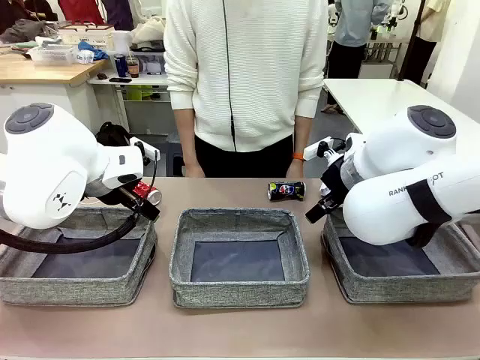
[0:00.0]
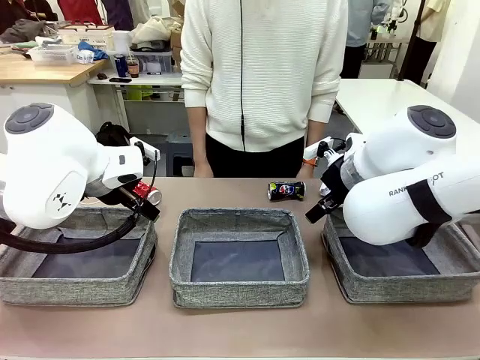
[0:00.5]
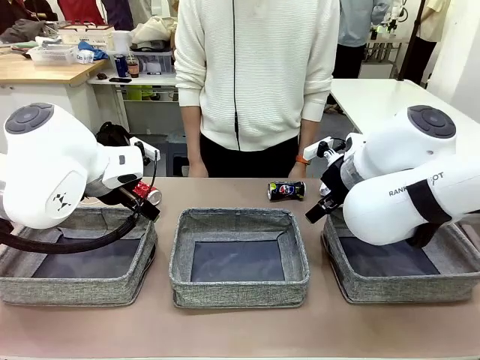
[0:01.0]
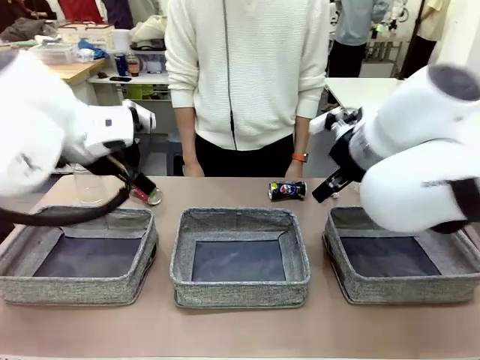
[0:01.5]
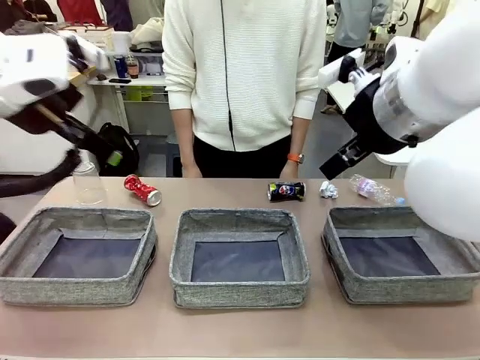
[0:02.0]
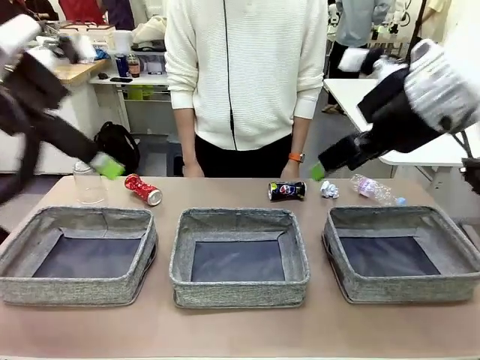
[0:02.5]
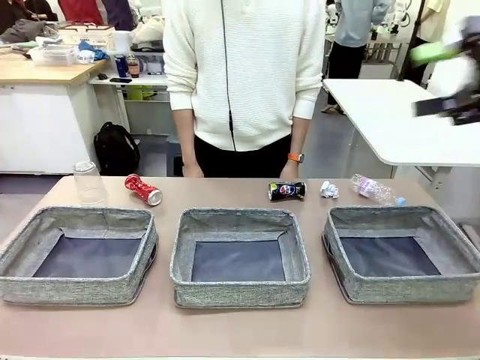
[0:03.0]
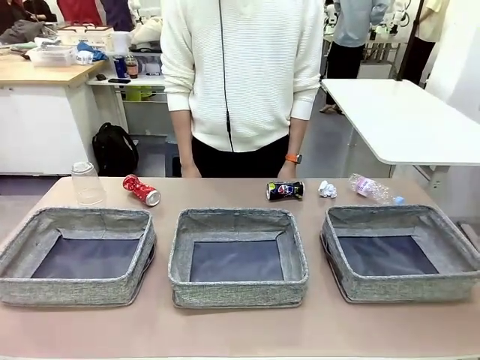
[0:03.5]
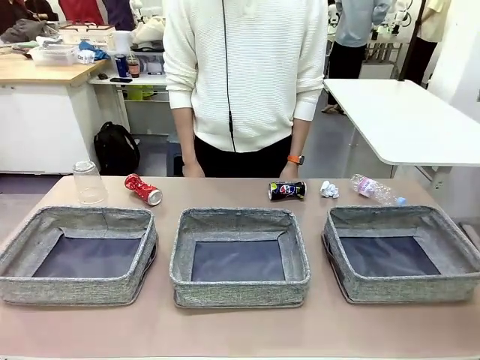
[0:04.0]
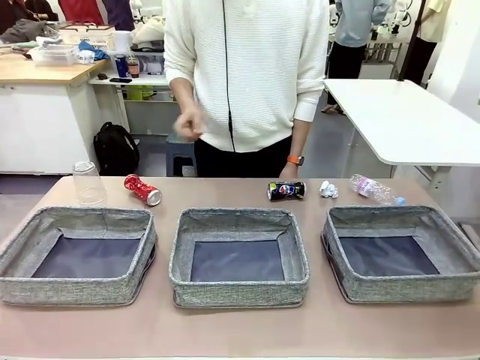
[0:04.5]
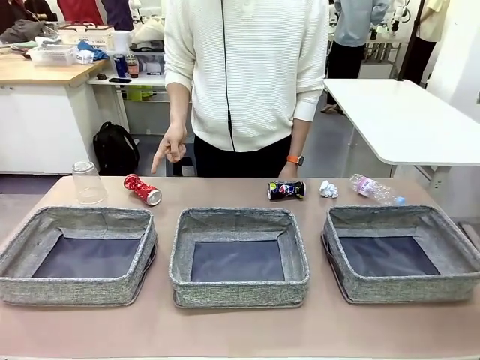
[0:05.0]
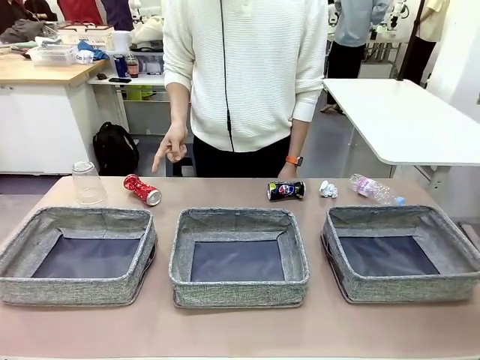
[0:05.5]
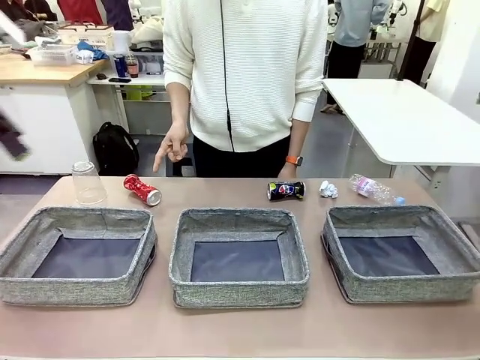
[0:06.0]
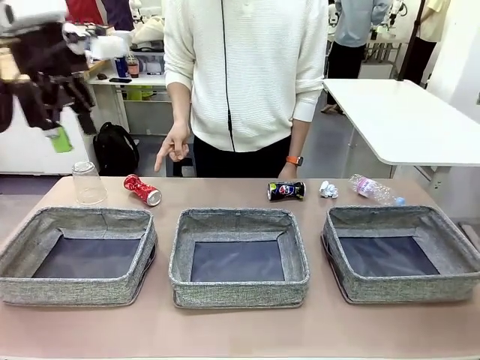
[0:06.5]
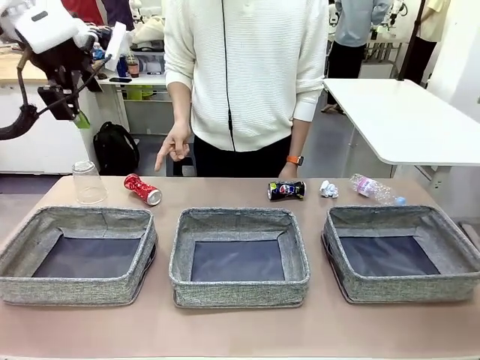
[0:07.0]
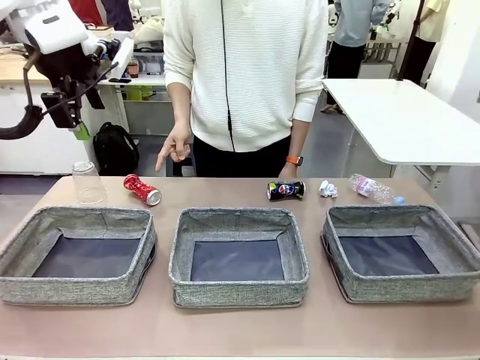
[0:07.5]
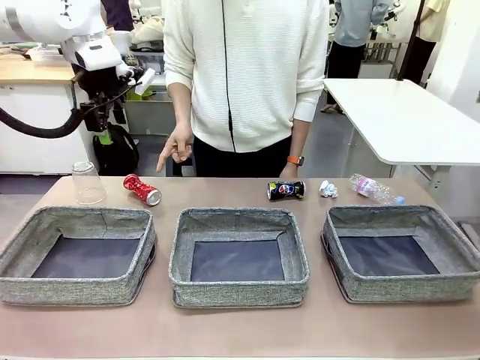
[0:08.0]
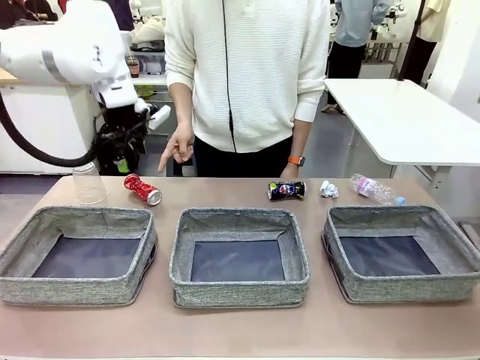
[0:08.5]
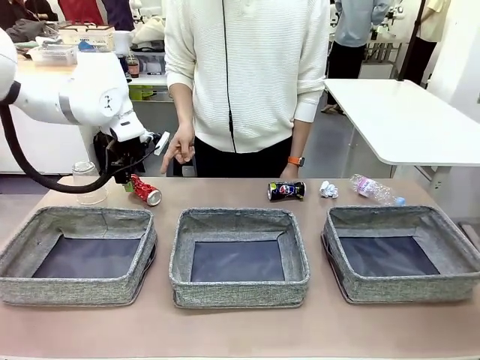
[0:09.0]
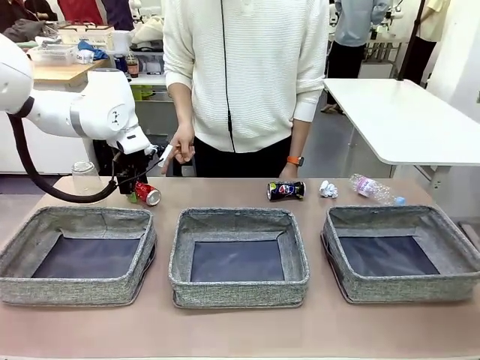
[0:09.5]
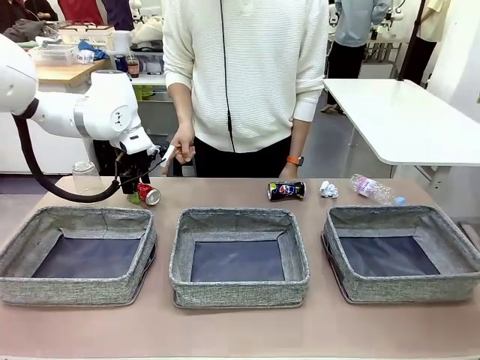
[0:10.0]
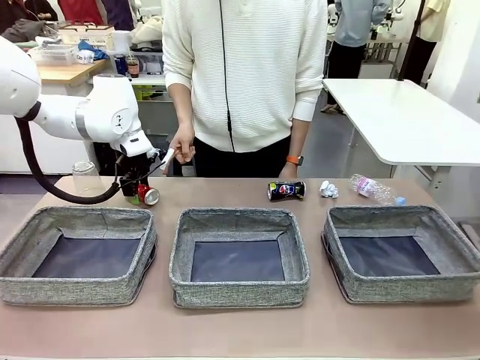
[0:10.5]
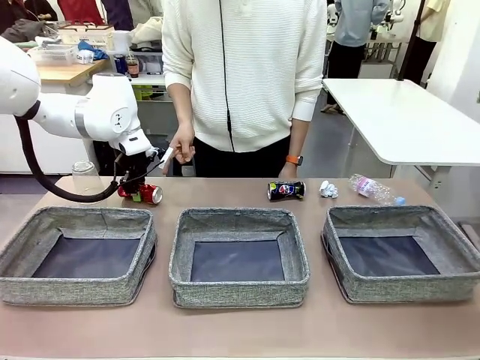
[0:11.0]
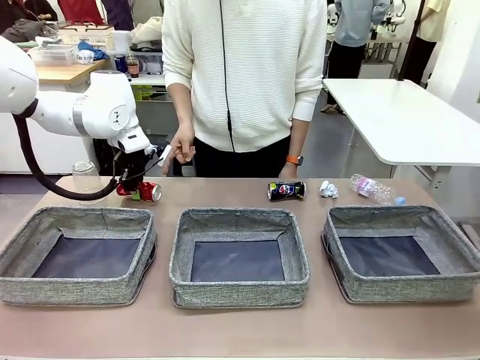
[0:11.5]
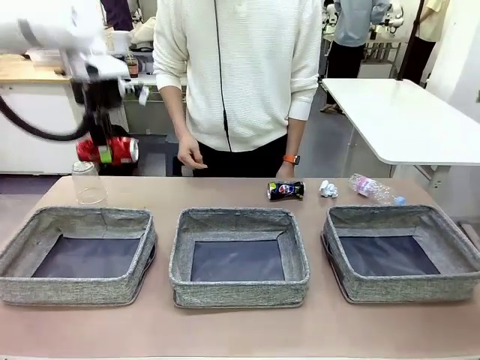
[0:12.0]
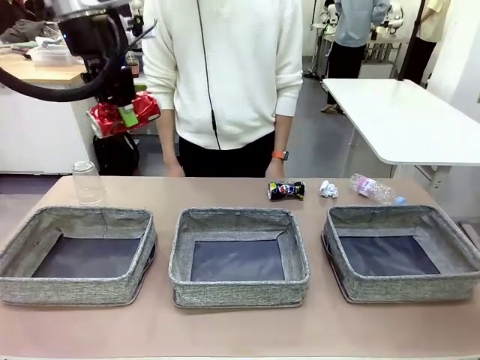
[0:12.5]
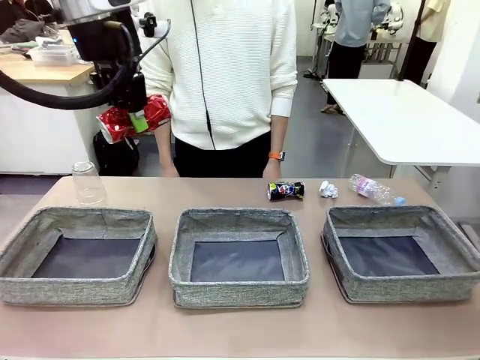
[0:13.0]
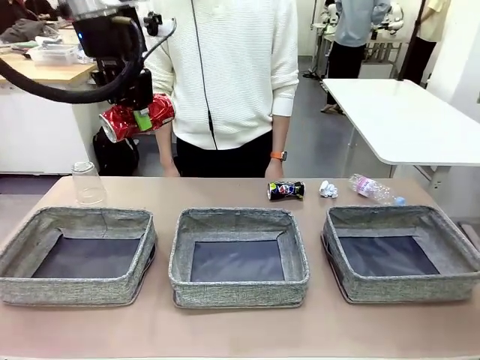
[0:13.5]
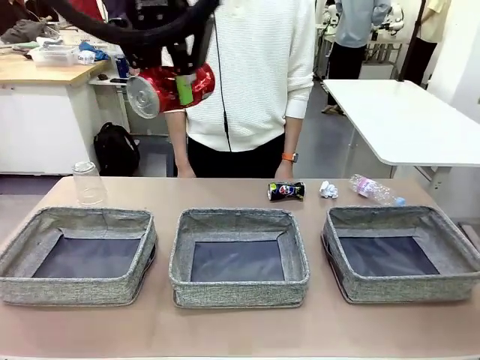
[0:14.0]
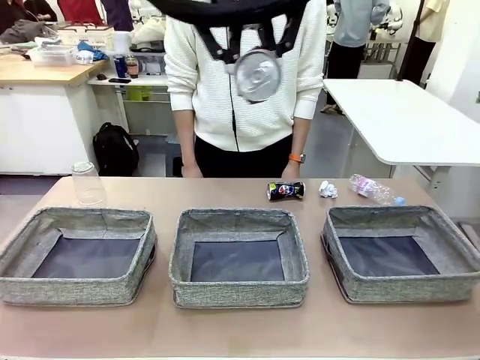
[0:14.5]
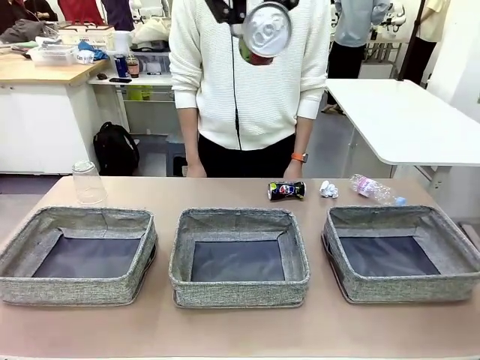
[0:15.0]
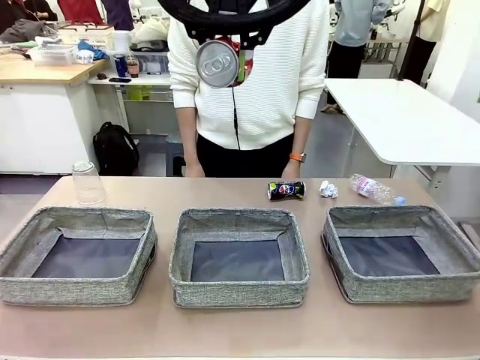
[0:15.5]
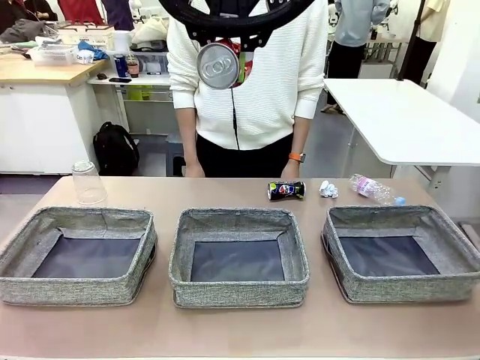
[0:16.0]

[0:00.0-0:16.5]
Task: Sort the waste into the appropriate baskets.
Robot: Pick up the waste item pointed out by the person.
Person: Points to one piece of trash on the table.

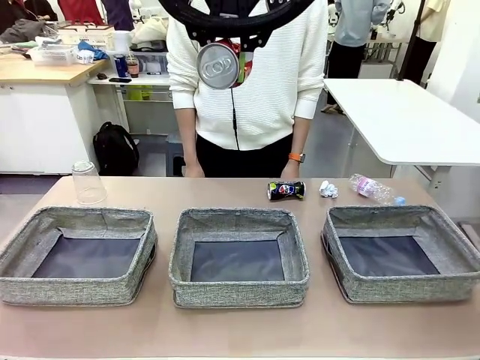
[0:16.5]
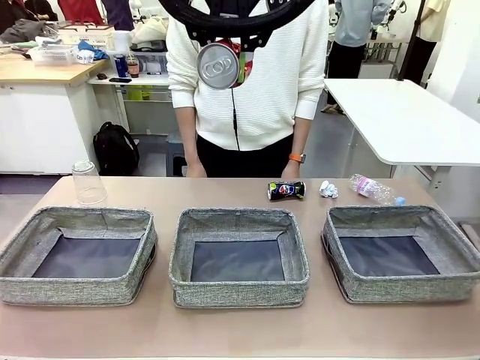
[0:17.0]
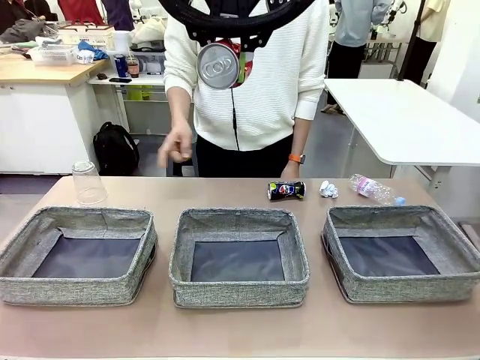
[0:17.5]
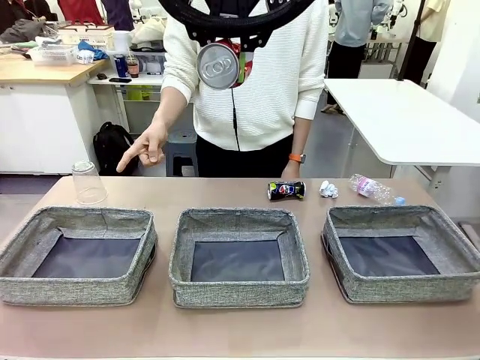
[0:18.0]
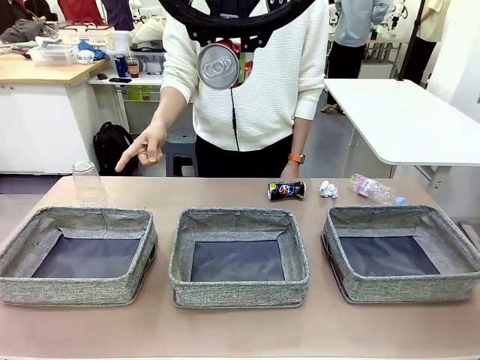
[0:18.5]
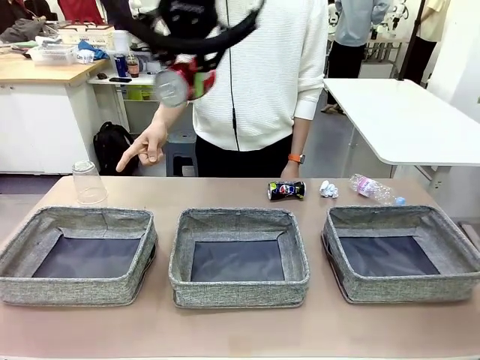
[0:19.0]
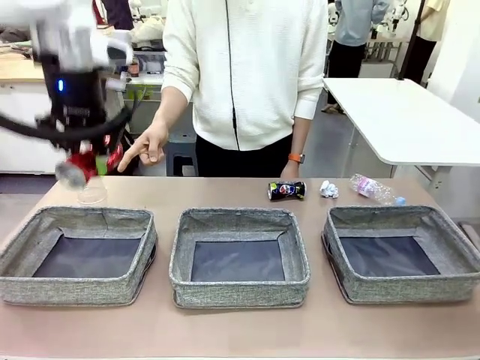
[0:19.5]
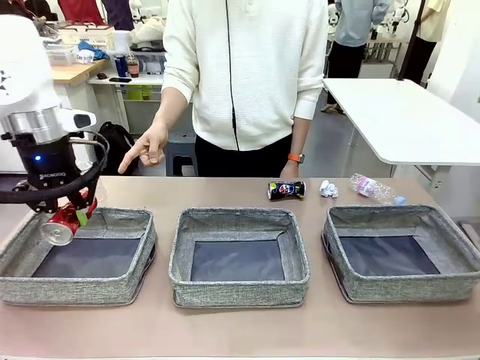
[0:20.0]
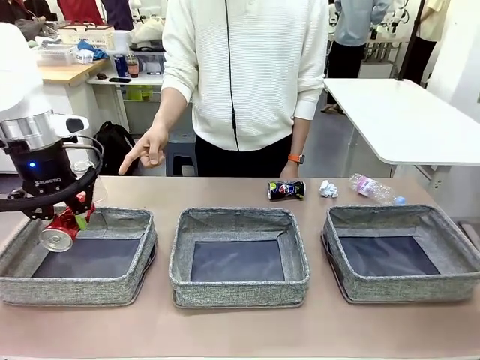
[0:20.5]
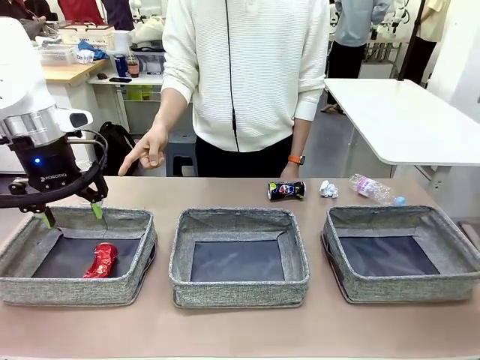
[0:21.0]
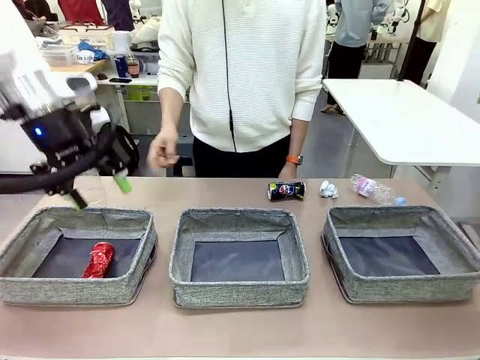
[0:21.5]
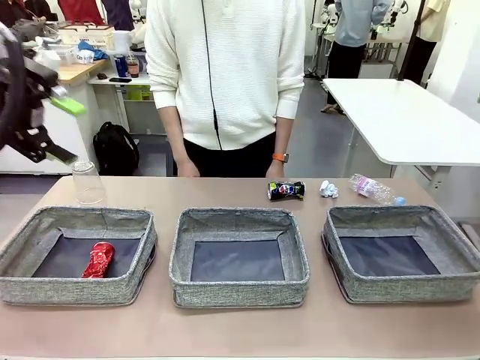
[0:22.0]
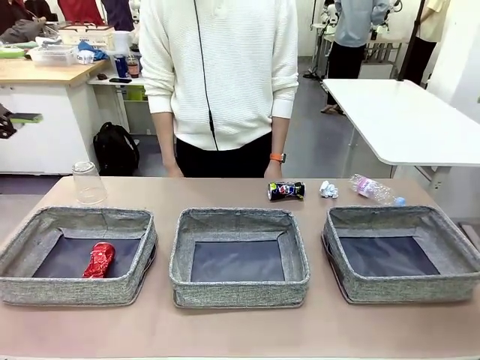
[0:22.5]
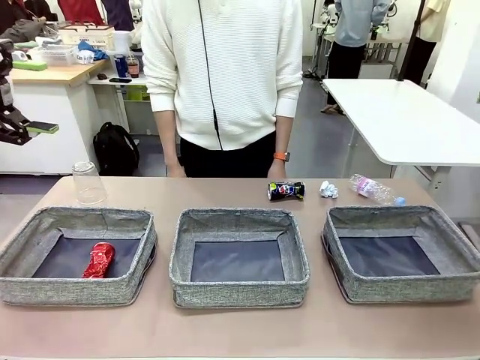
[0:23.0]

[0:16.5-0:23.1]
Robot: Place the picked waste into the Fabric basket indicated by the person.
Person: Instructs the robot to place the picked-up trash into the appropriate organizing basket.

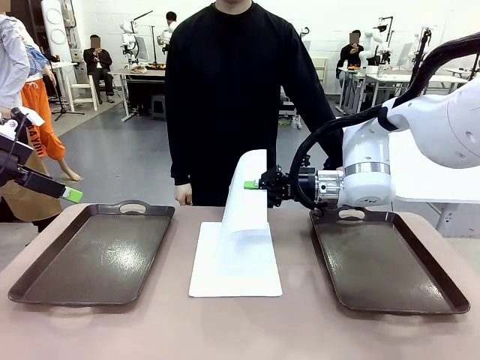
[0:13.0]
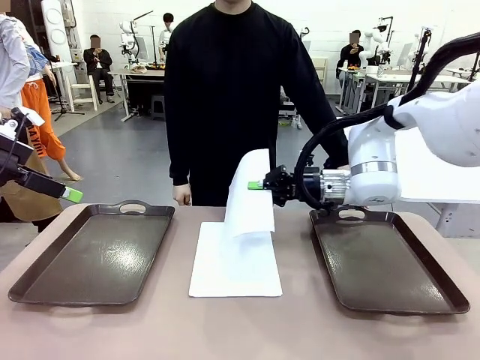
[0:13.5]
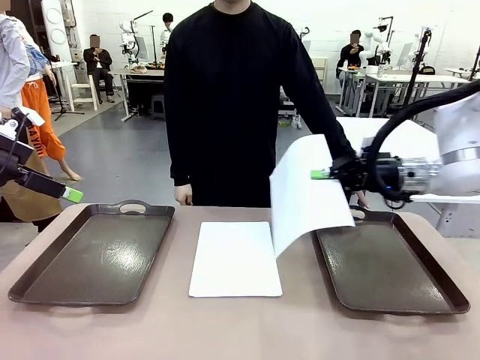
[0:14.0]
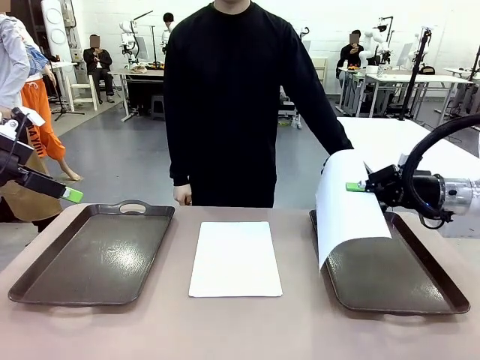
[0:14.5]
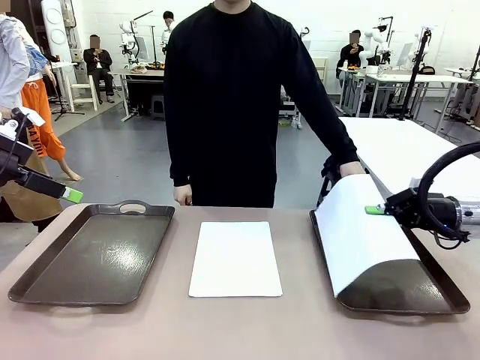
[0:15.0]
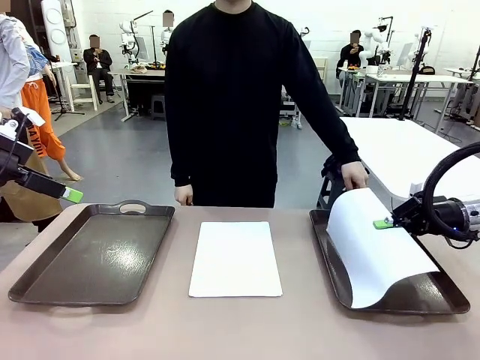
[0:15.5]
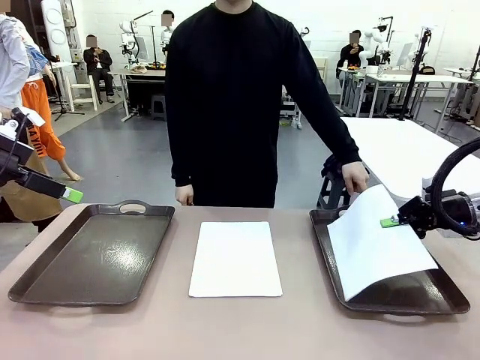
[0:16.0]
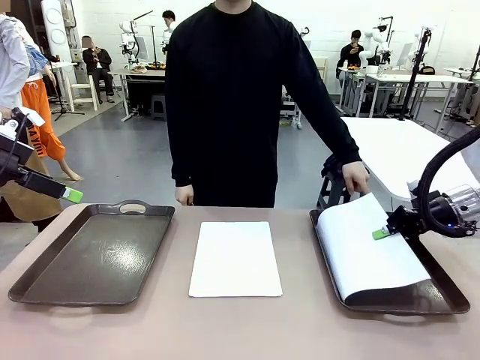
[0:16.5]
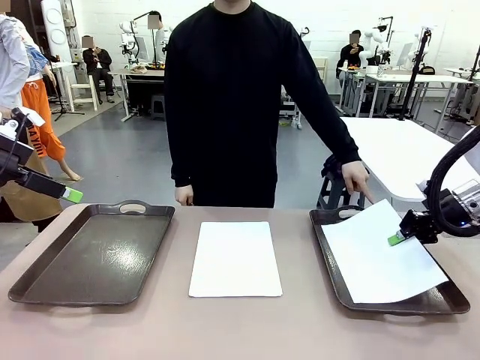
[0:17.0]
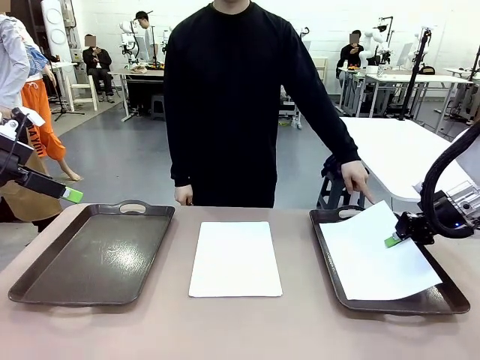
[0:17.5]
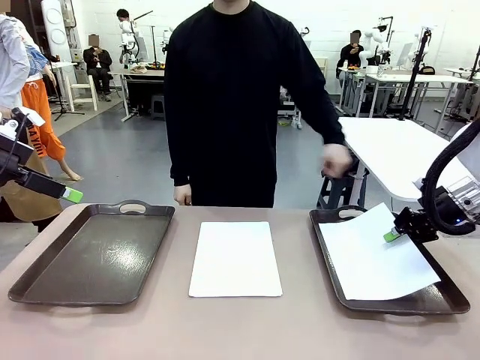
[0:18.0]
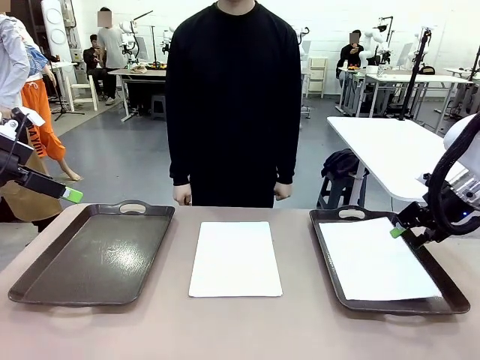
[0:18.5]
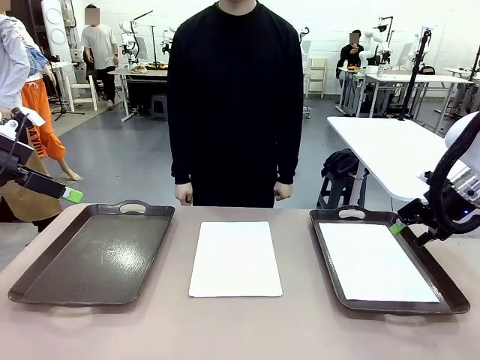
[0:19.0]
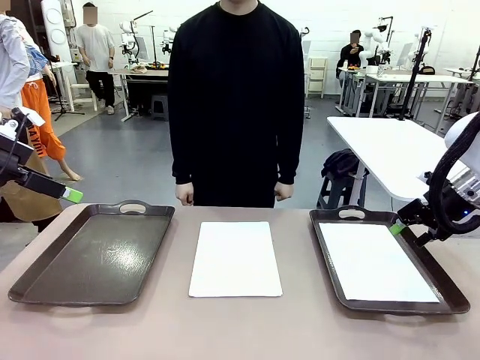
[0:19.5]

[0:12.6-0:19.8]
Task: Sort the A4 documents.
Robot: Place the A4 Paper in the designated Handle tray.
